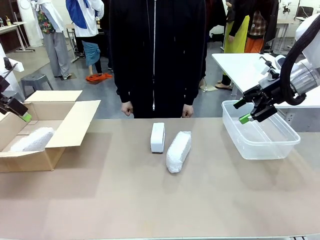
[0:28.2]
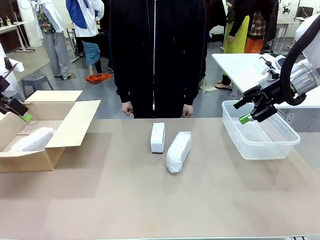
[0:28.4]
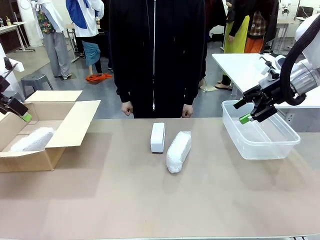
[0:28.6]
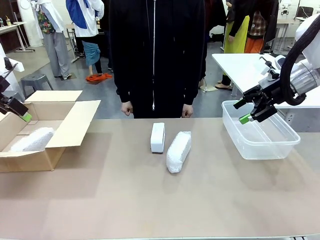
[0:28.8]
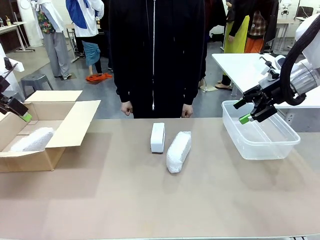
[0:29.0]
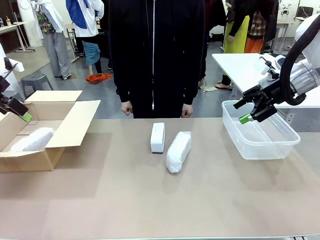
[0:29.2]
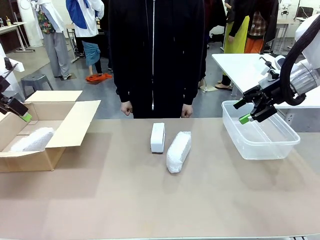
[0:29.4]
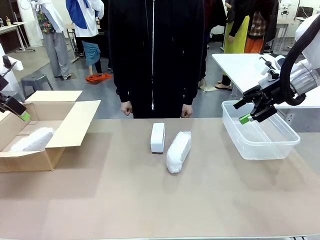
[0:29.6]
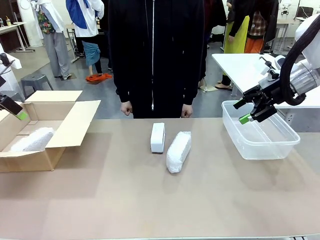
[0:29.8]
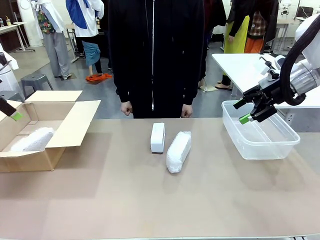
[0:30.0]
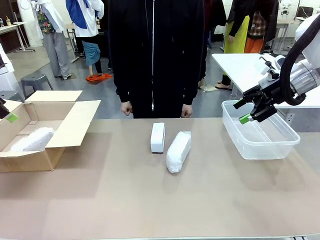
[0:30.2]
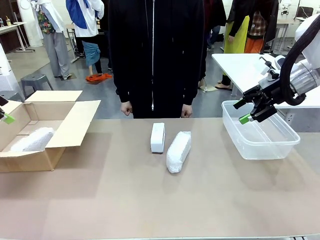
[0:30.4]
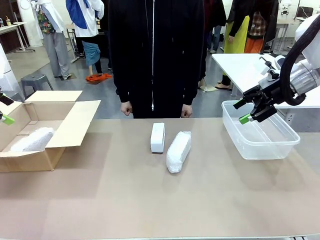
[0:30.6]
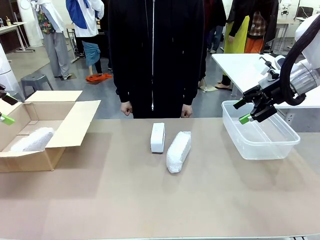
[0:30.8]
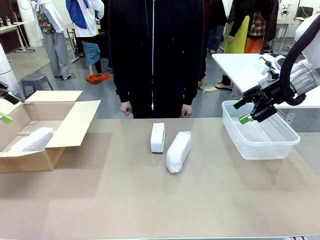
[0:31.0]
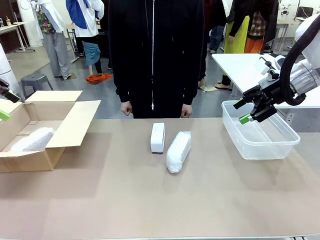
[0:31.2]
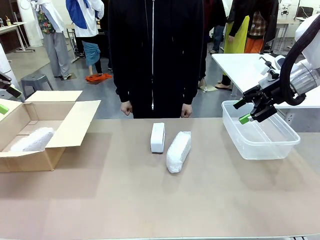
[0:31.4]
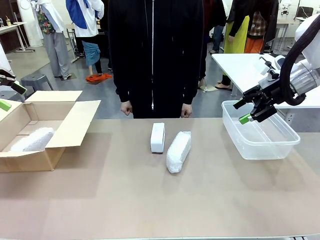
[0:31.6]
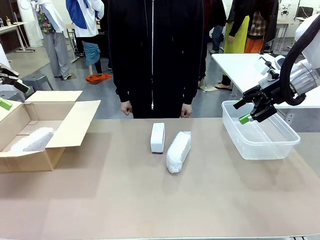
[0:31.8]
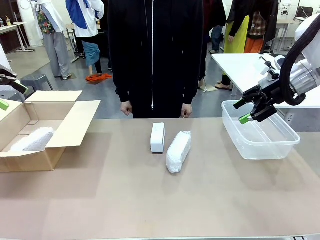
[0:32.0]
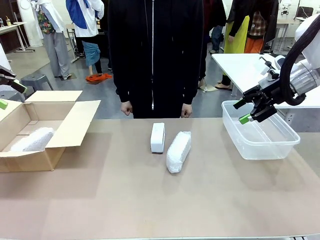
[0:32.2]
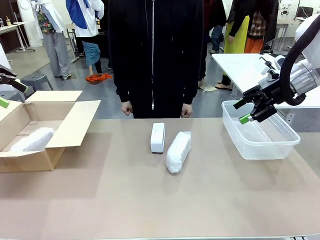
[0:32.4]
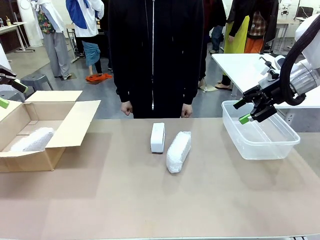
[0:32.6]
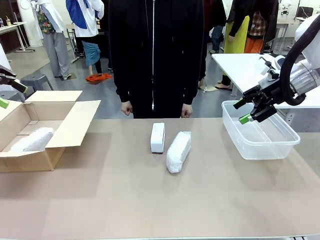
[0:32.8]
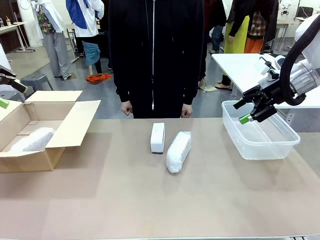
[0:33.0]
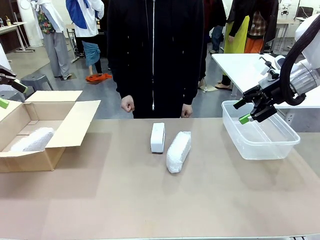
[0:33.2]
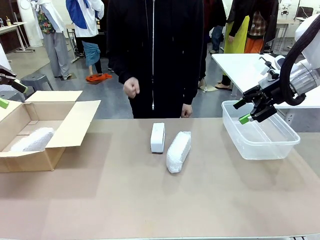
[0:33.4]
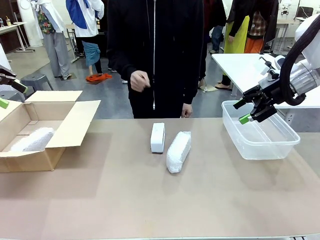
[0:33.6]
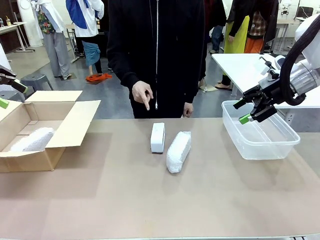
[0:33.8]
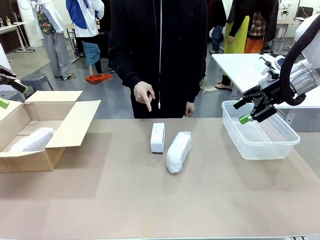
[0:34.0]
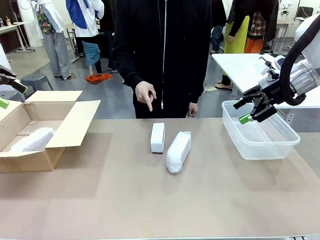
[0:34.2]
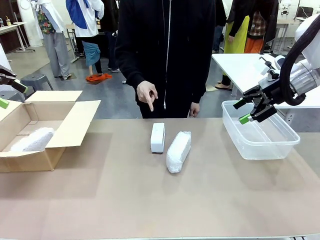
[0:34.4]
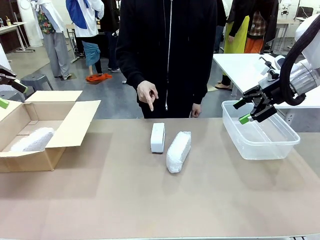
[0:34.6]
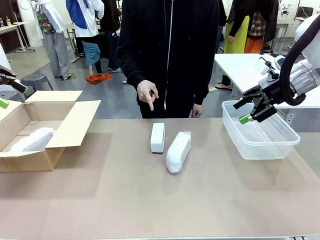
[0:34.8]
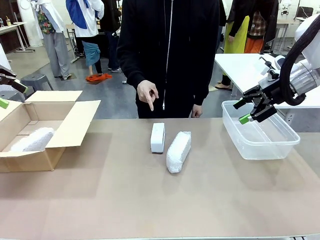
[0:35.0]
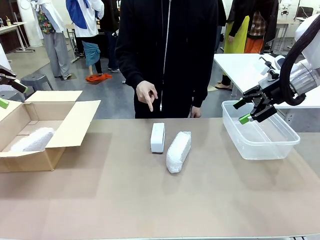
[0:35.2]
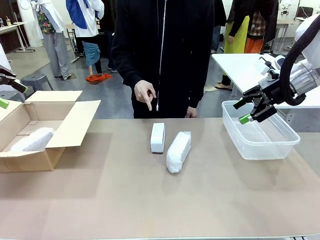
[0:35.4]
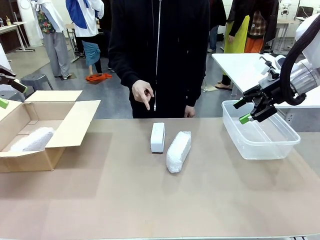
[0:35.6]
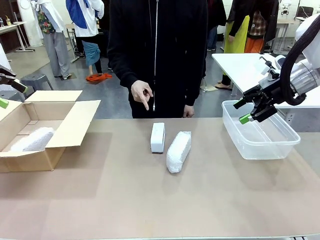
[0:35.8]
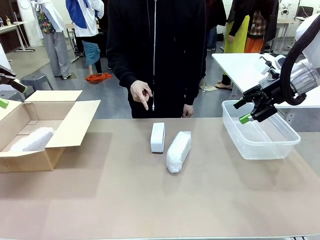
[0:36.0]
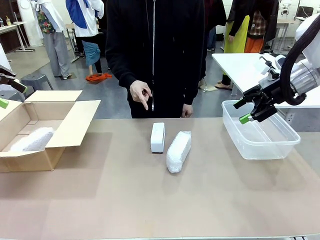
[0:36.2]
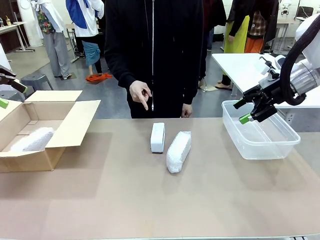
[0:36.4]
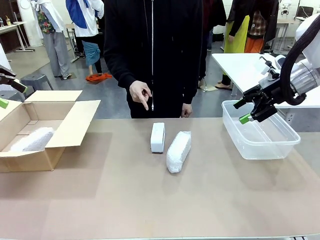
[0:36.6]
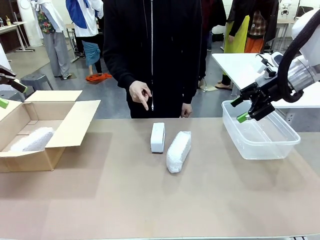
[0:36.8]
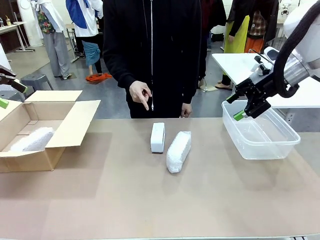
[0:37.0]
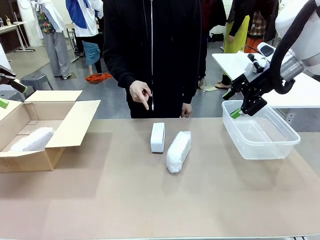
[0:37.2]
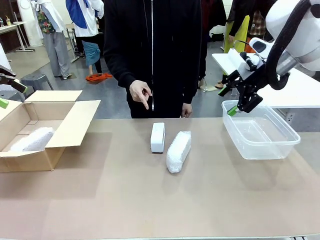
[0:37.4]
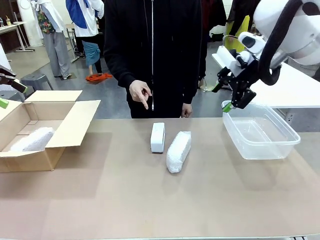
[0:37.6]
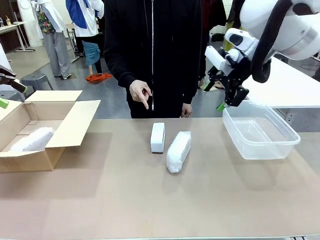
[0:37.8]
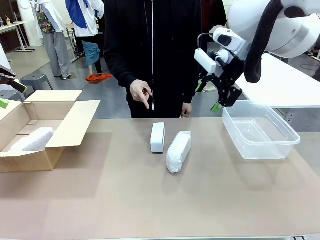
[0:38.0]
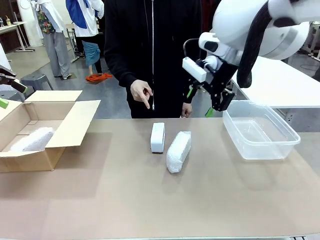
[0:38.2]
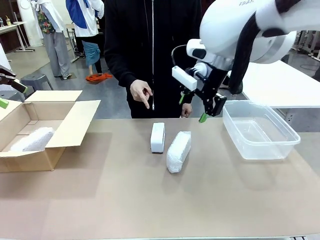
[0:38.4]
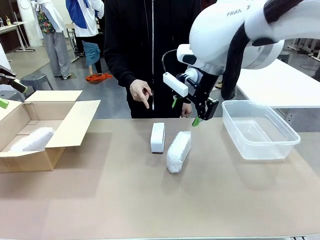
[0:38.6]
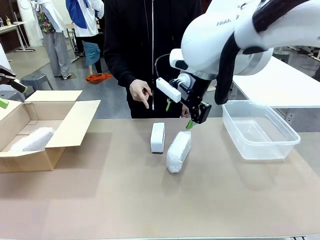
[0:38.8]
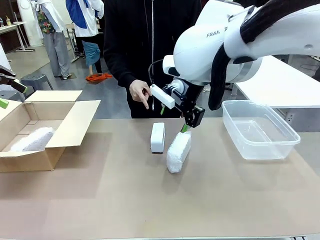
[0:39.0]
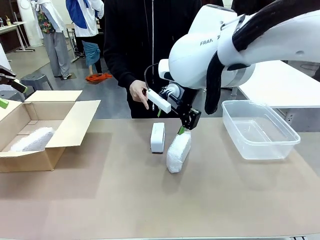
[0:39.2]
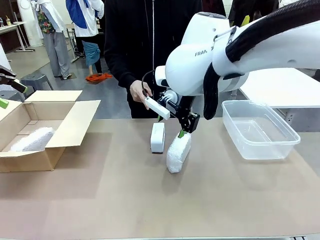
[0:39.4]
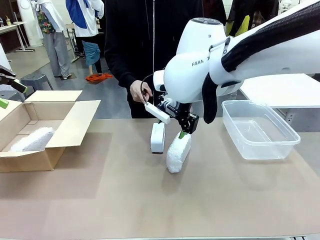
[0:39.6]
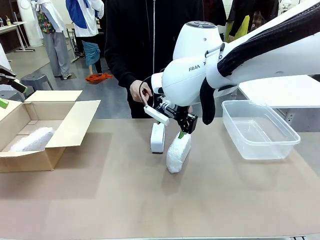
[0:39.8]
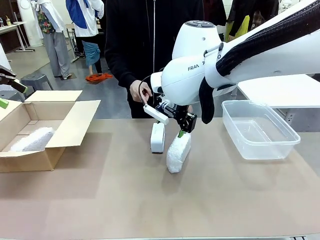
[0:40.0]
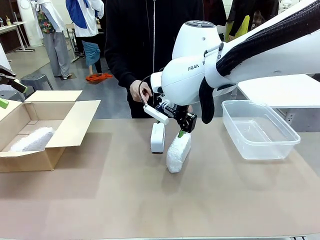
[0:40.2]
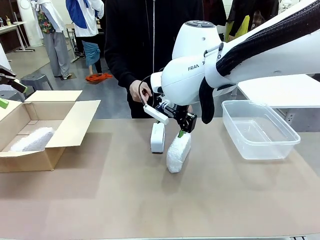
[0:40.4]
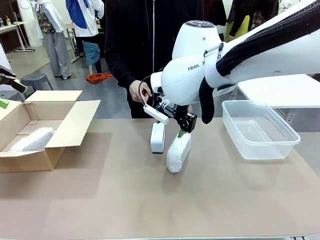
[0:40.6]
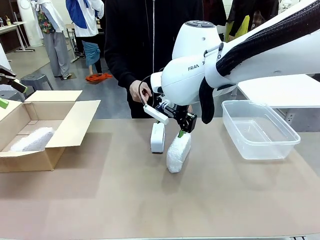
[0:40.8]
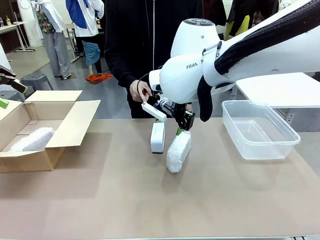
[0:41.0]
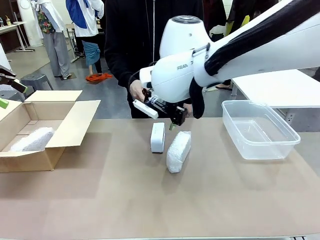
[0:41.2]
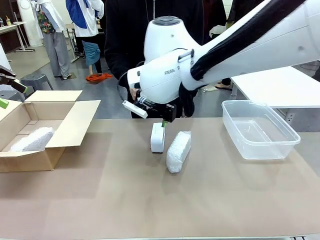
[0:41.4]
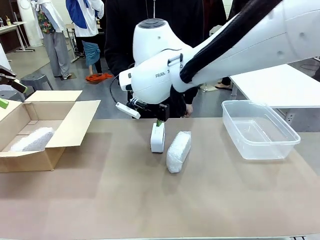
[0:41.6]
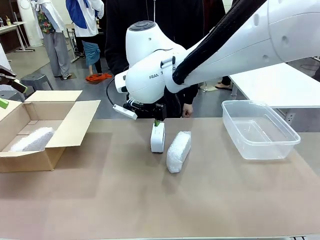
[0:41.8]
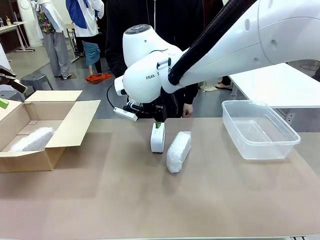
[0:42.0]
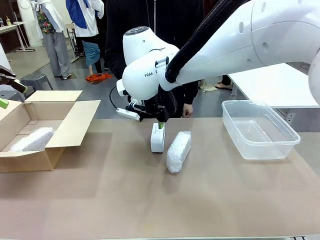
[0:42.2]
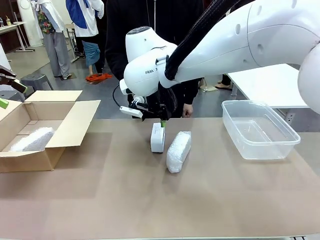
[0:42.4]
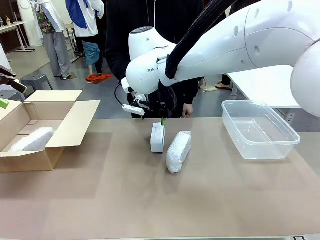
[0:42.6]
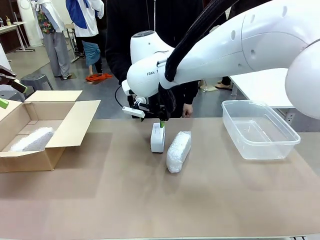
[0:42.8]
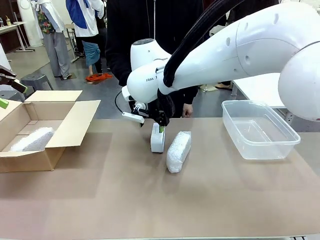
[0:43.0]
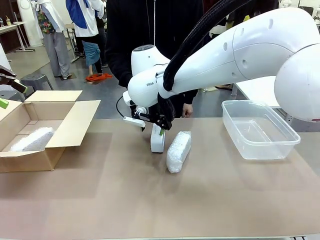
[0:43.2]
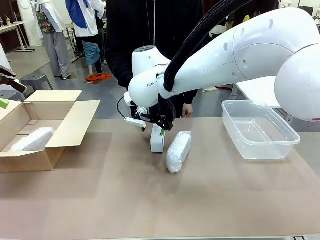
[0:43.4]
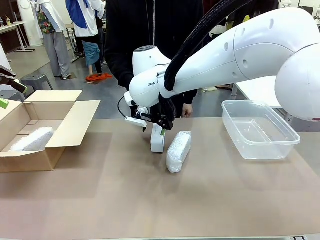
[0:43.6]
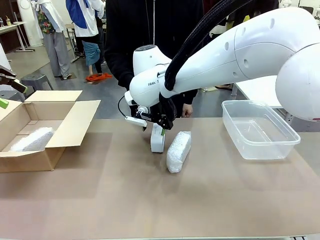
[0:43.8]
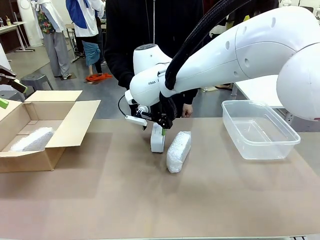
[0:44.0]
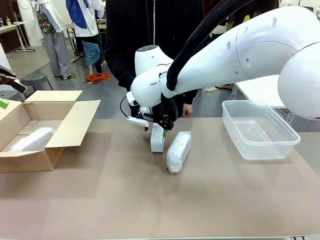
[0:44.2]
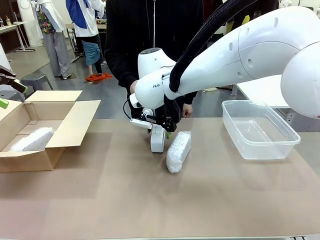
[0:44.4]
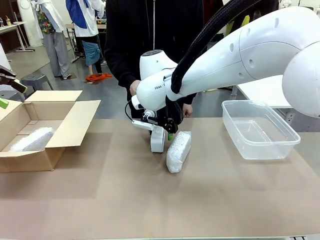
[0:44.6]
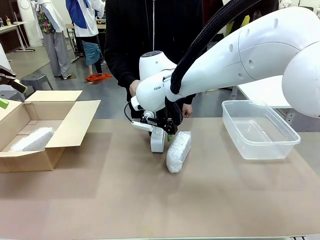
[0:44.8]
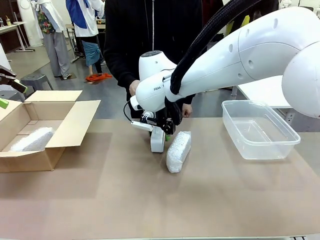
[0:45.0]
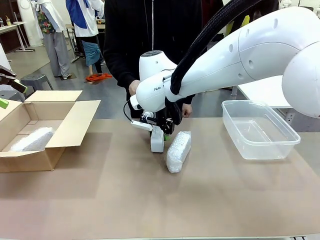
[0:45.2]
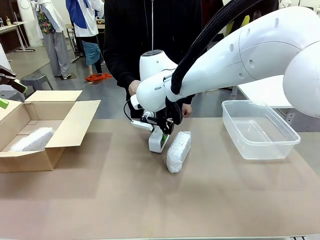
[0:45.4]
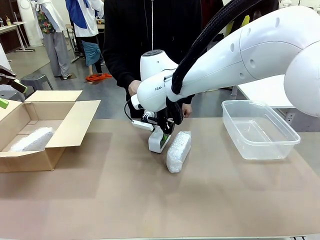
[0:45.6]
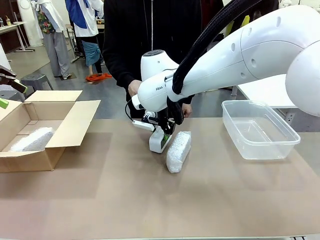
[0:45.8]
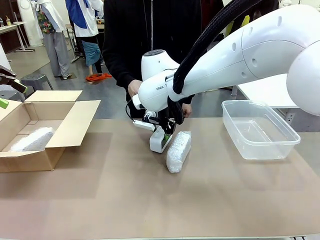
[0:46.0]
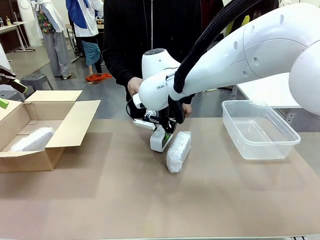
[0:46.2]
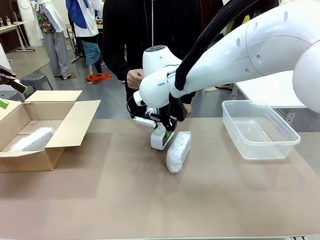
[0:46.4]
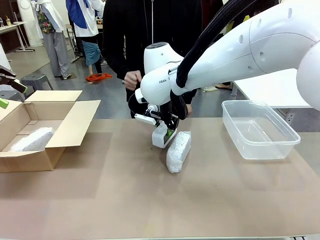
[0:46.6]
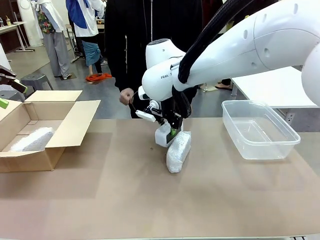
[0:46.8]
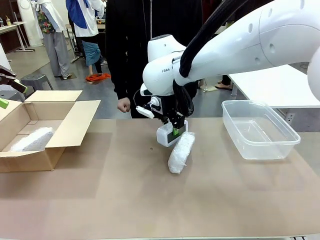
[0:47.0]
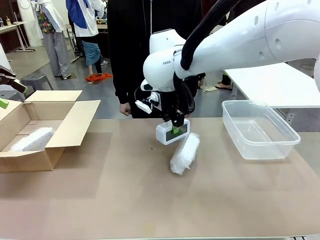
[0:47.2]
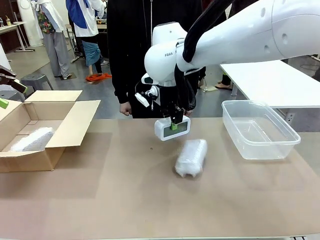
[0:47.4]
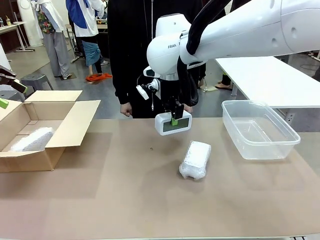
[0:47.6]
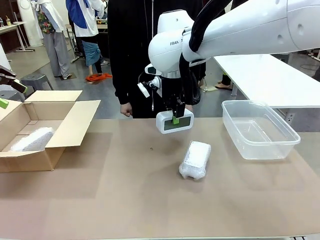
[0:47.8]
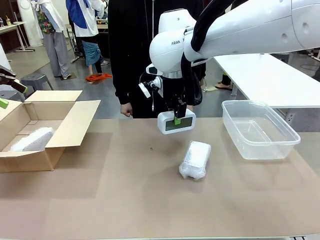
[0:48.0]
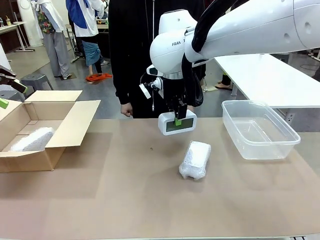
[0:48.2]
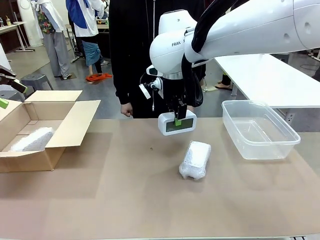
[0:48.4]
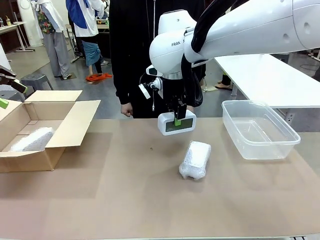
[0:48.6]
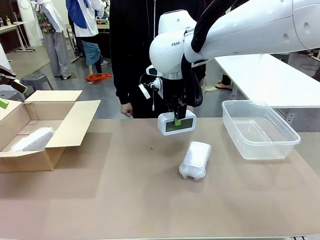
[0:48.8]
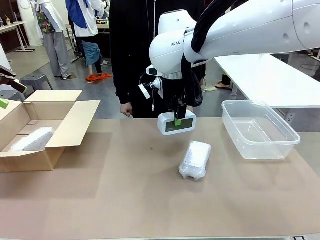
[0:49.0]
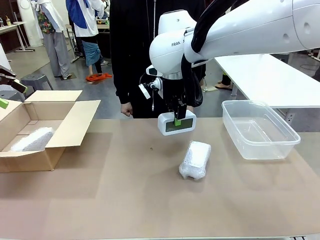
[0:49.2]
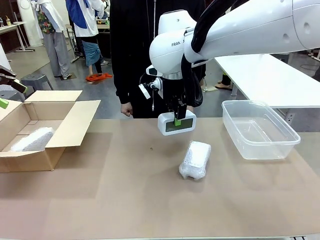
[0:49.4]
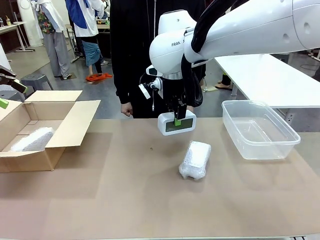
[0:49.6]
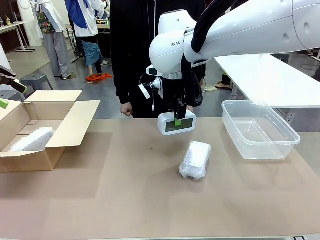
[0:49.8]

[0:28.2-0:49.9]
Task: Separate and place wrapped and unwrapped clocks.
Robot: Pick up the Digital clock indicated by the person.
